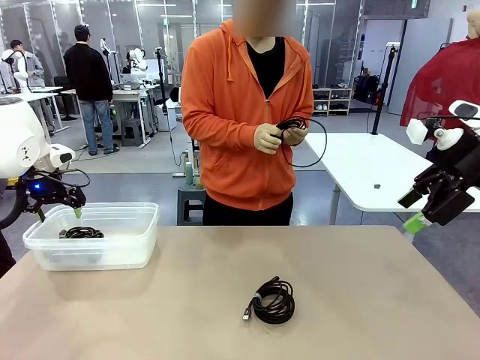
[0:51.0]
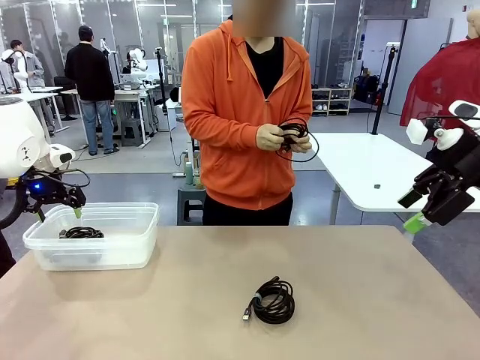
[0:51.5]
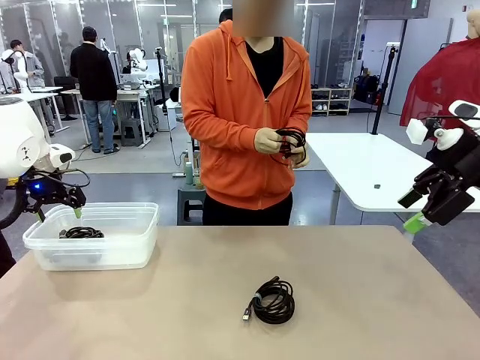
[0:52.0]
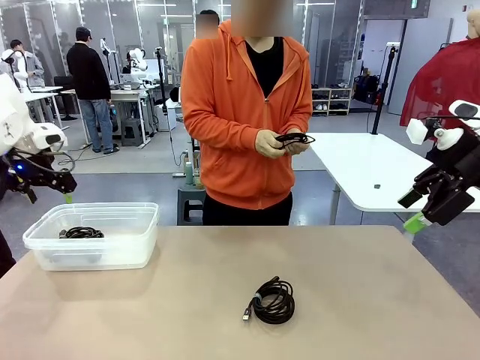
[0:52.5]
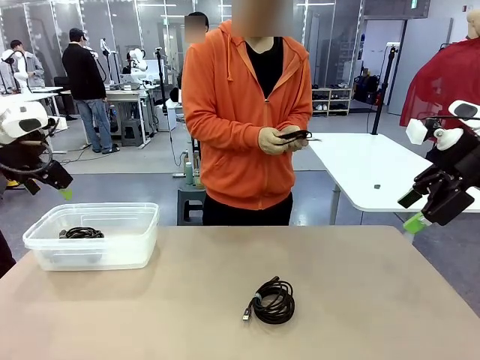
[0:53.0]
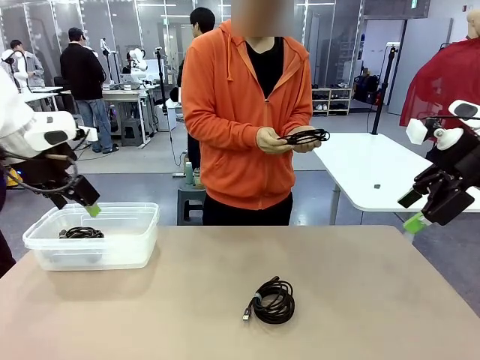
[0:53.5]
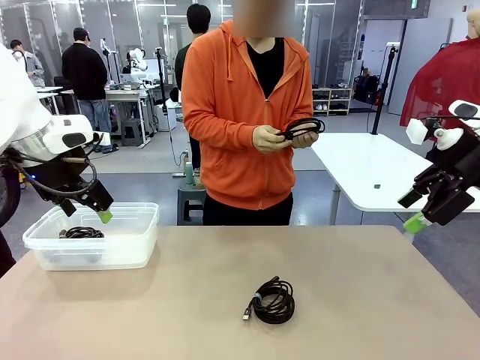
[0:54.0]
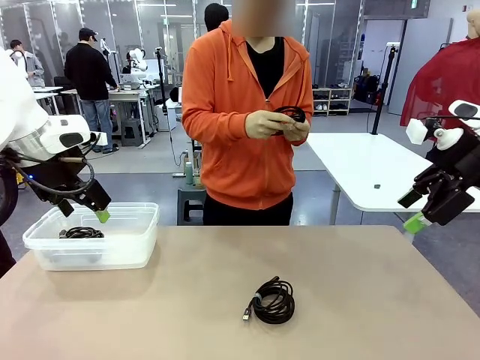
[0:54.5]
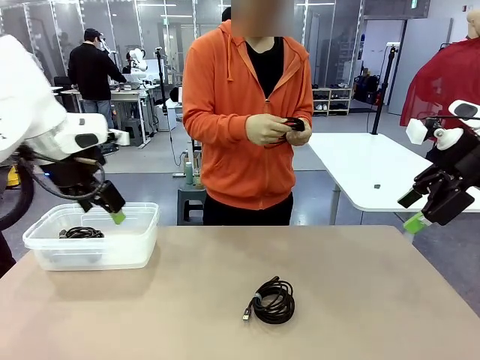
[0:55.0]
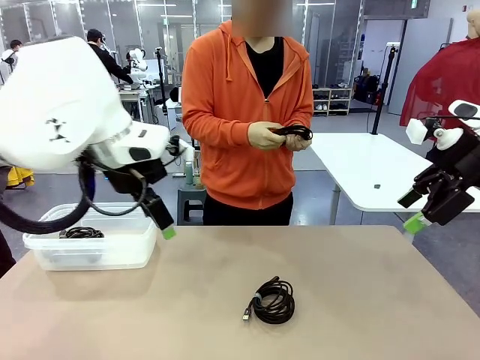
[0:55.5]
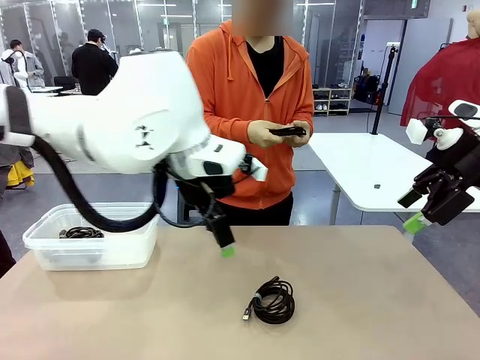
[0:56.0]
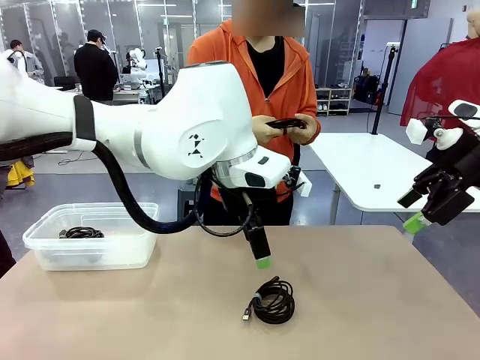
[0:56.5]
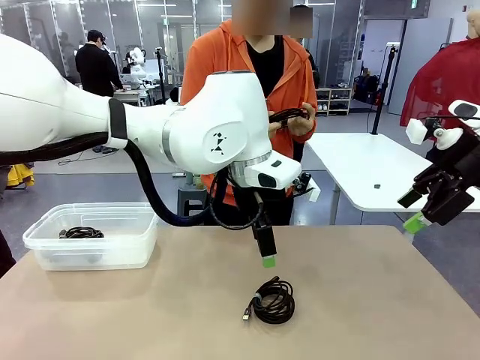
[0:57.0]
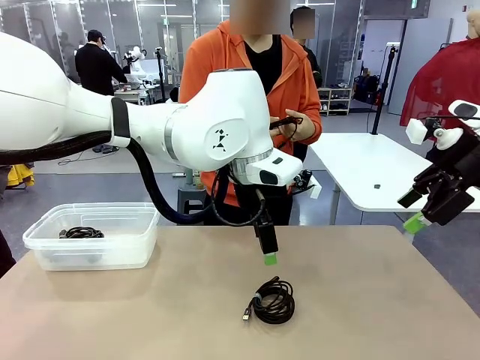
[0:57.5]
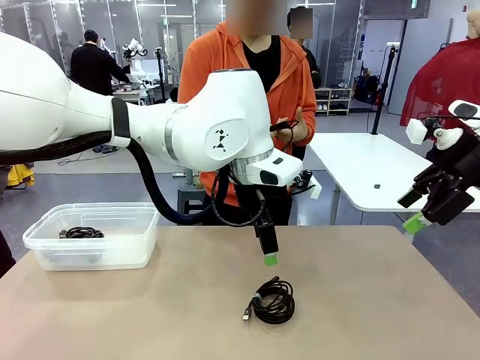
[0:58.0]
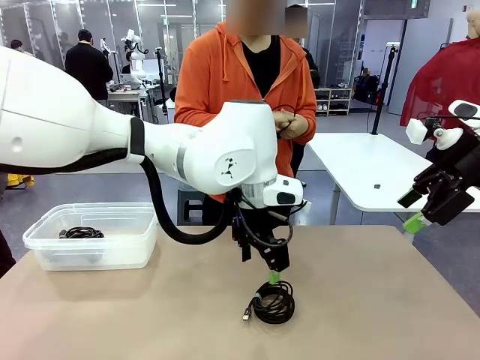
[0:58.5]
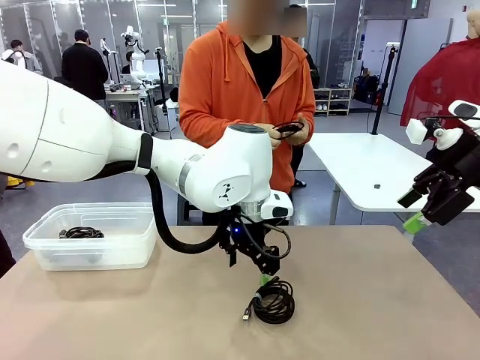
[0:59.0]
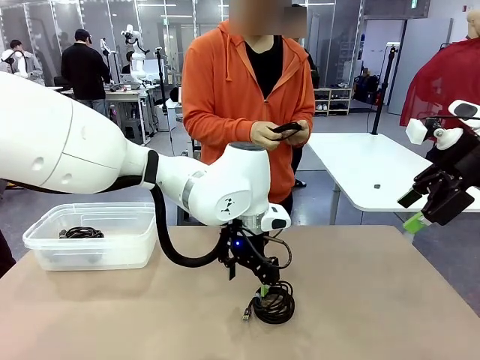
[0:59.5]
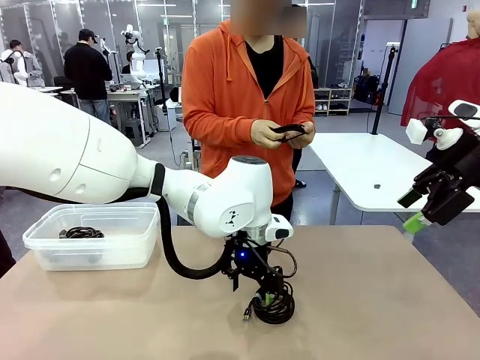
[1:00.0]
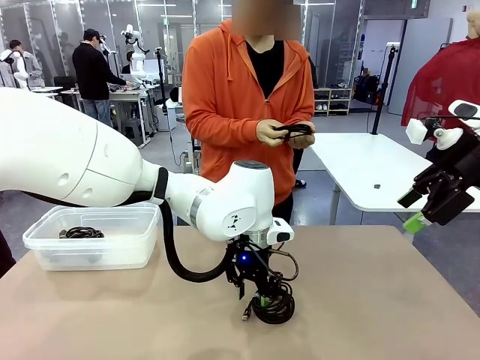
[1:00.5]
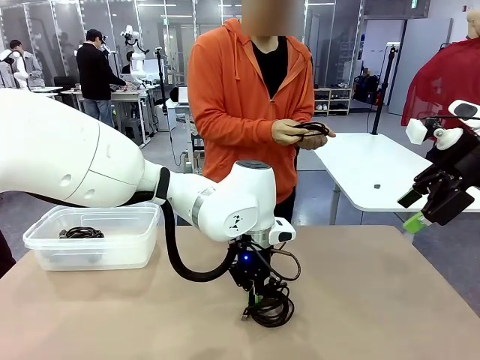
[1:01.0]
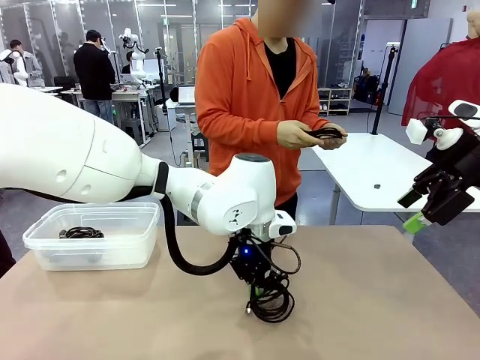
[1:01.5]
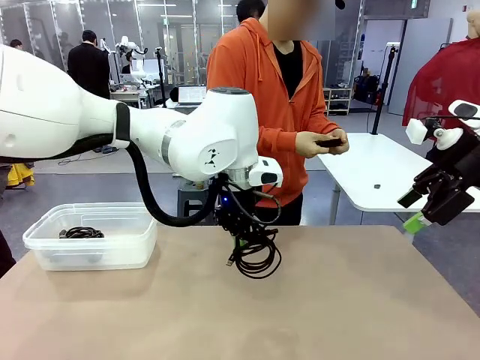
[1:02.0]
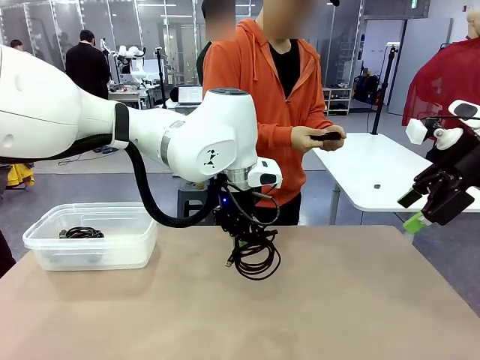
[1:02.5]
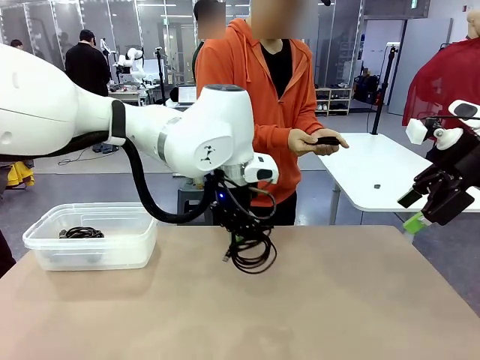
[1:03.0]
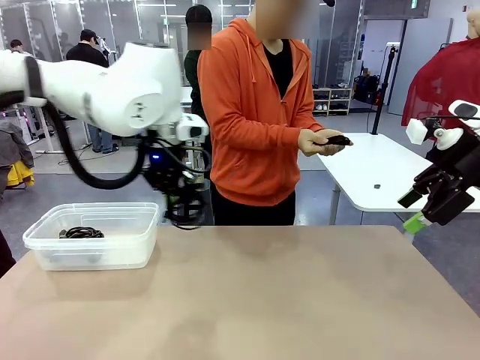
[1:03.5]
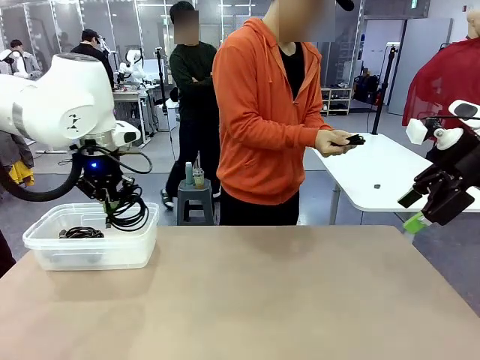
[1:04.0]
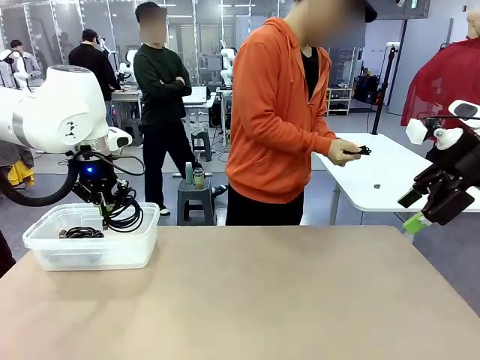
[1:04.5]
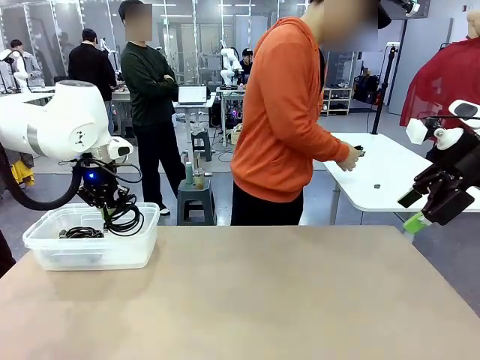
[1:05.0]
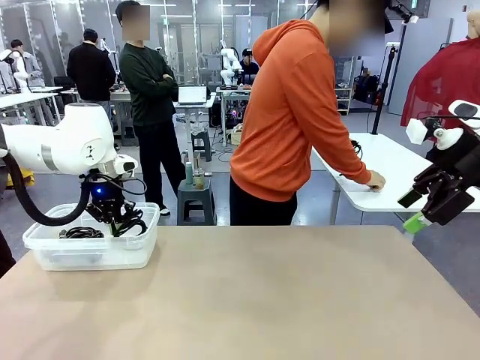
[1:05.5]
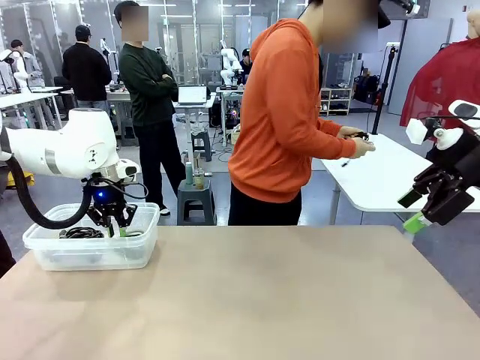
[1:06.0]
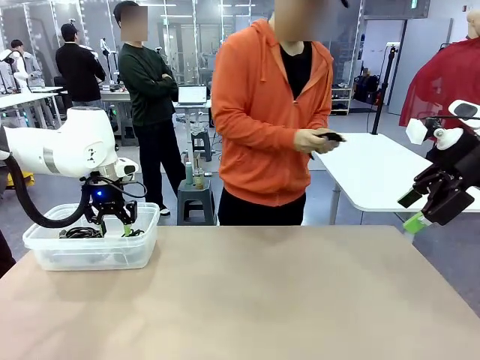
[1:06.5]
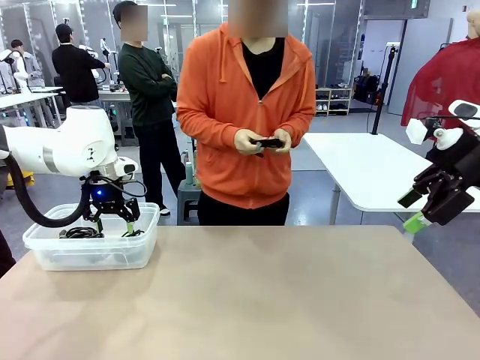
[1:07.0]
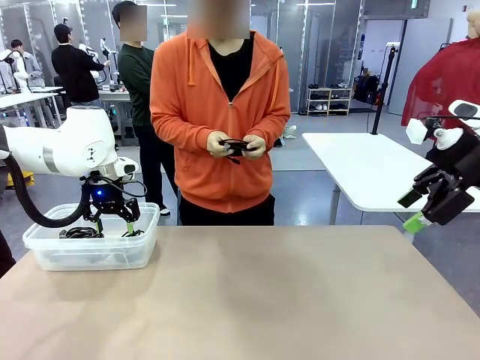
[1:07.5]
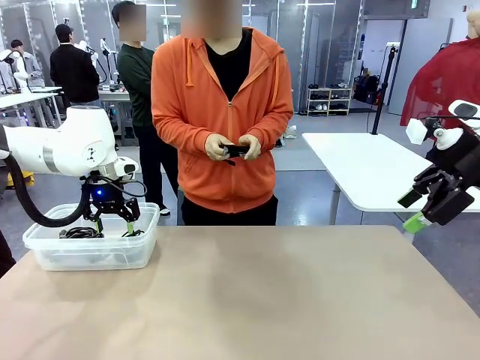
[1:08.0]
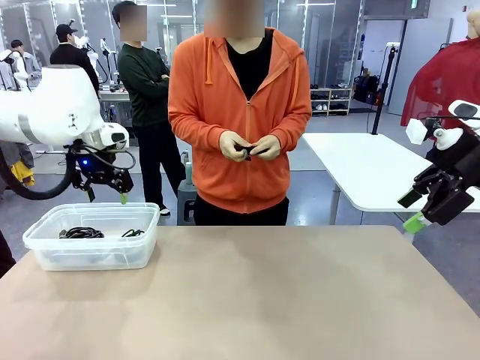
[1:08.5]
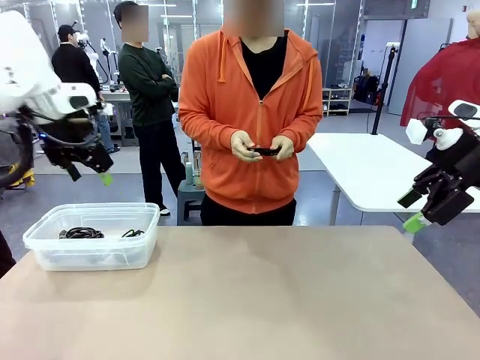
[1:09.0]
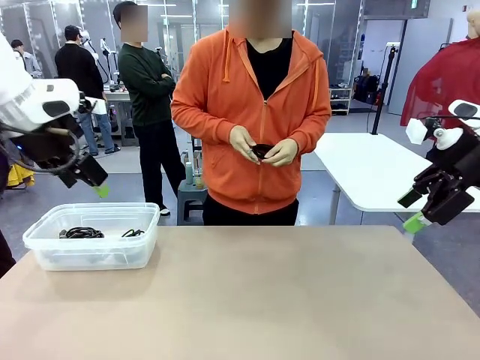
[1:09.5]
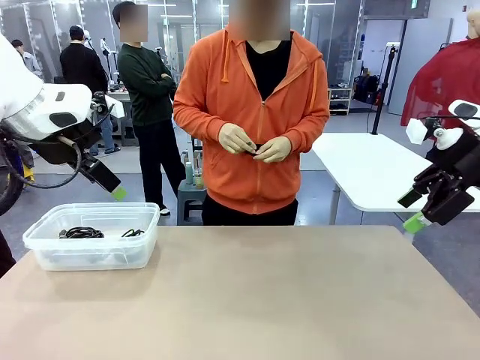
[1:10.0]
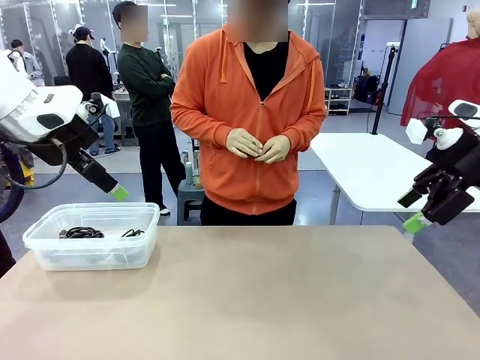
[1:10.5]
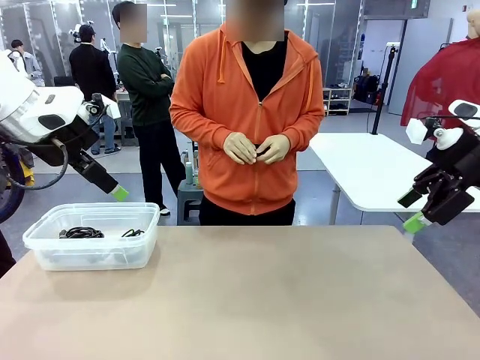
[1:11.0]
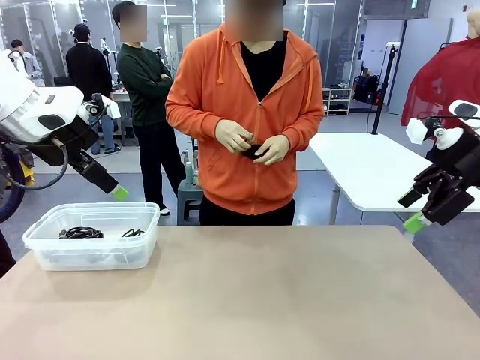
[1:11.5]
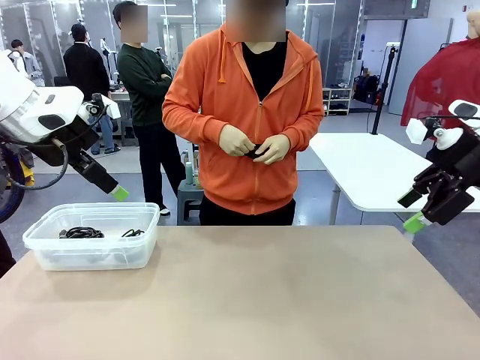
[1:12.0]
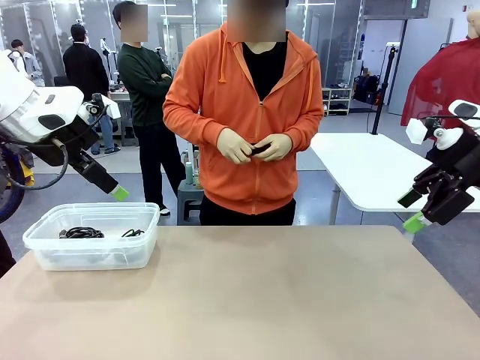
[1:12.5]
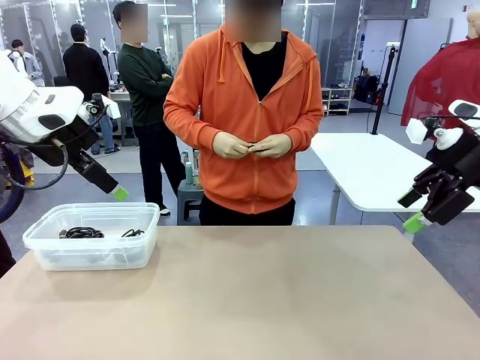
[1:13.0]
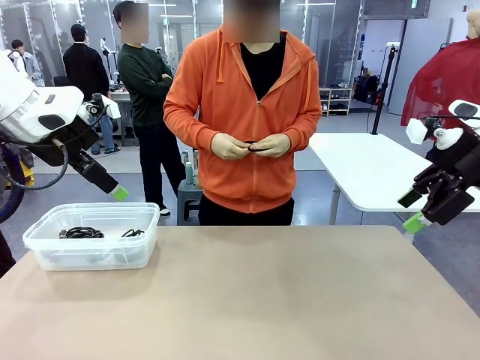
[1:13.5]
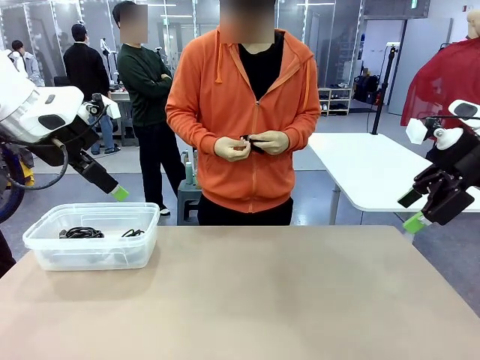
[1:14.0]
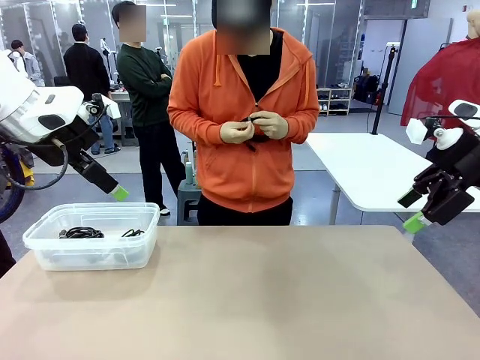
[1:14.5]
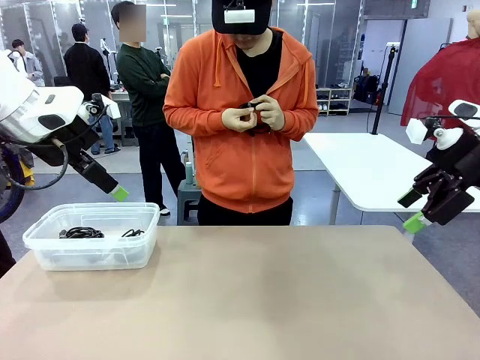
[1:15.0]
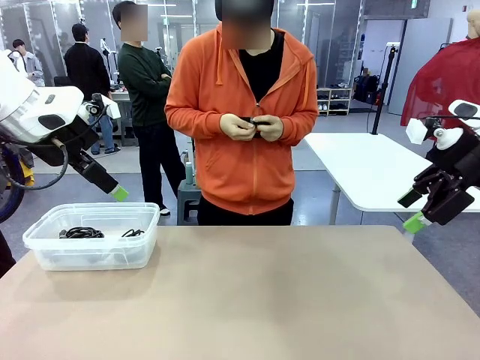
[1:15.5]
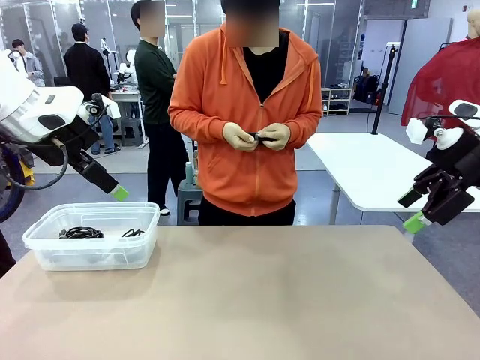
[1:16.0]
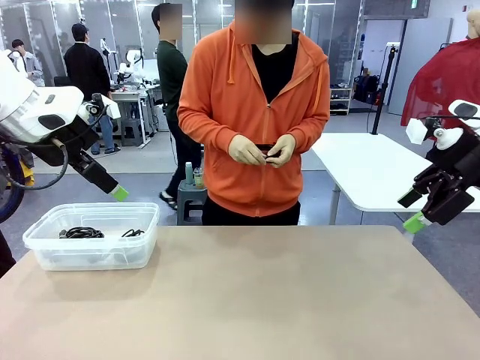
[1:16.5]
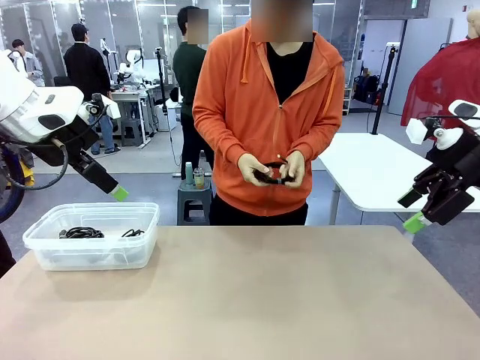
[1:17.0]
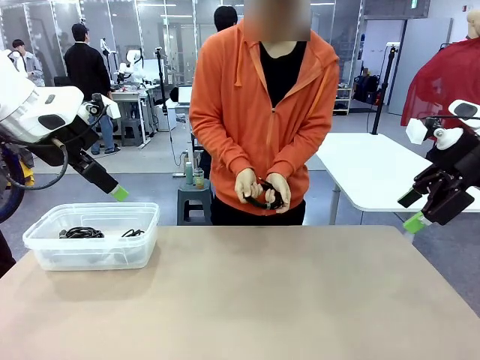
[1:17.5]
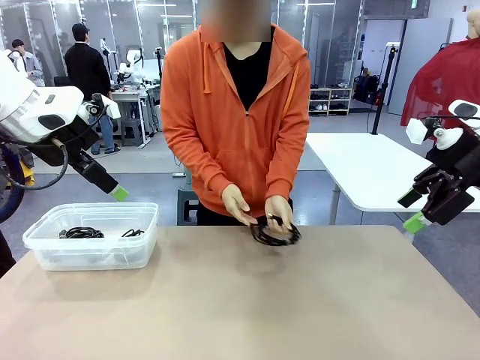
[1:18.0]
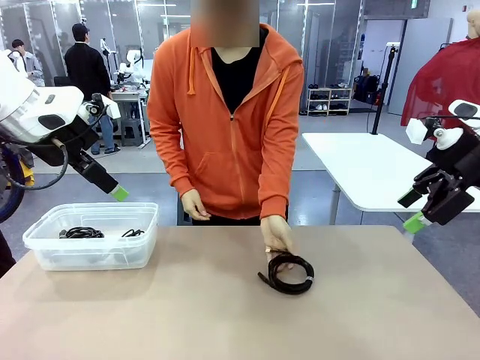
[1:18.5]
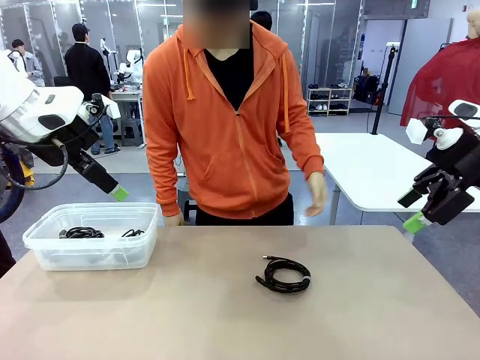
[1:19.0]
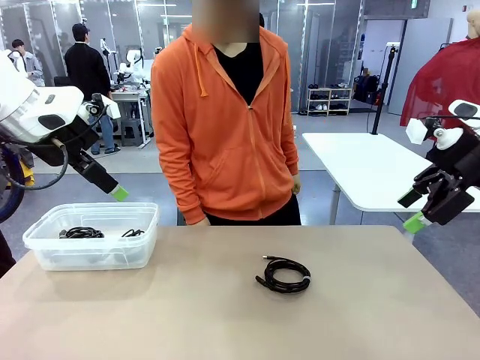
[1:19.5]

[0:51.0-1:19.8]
Task: Organize and store the cables.
Robot: Place the USB Extension Cable into the Organizing box.
